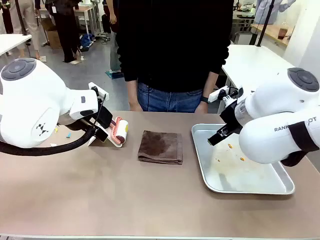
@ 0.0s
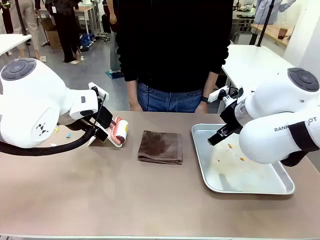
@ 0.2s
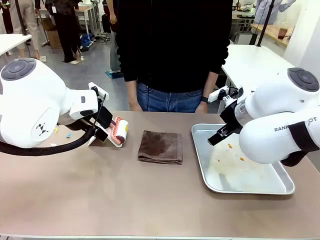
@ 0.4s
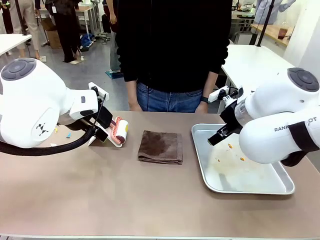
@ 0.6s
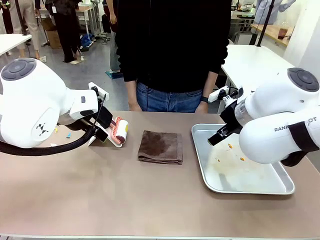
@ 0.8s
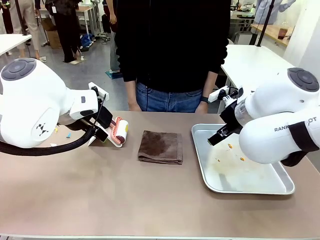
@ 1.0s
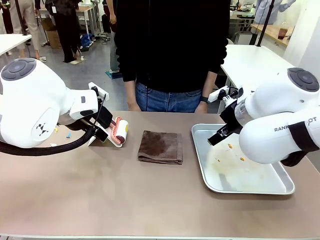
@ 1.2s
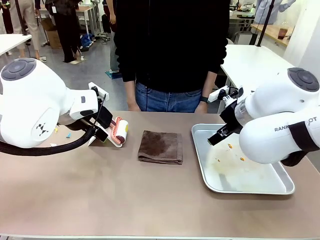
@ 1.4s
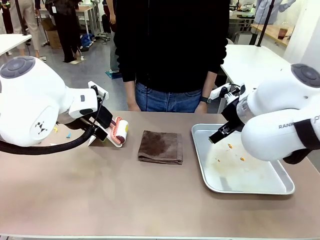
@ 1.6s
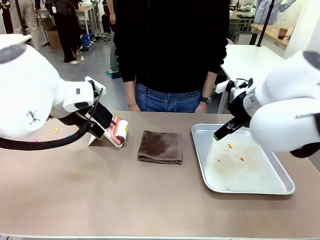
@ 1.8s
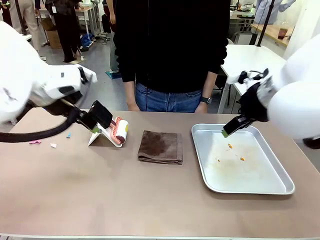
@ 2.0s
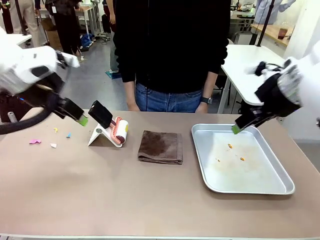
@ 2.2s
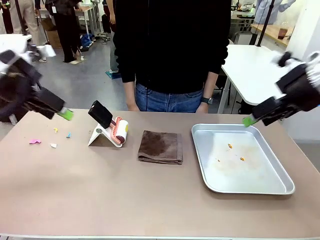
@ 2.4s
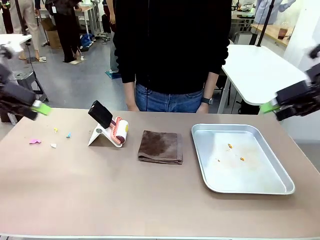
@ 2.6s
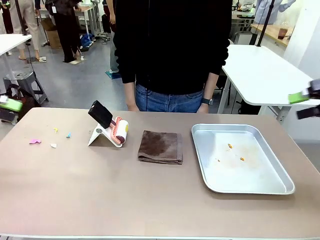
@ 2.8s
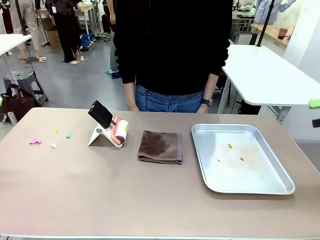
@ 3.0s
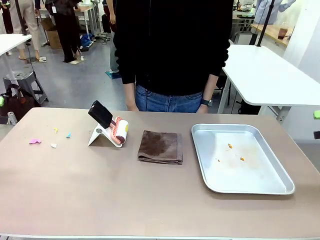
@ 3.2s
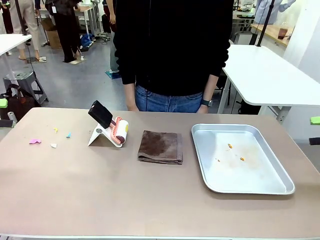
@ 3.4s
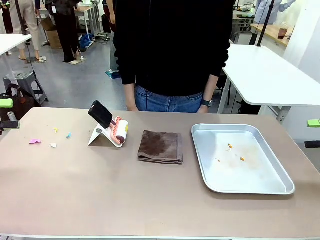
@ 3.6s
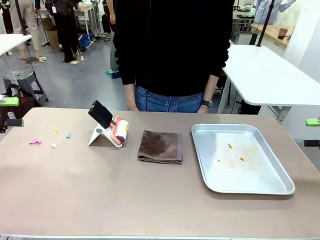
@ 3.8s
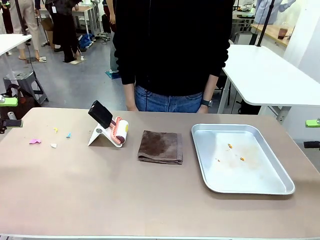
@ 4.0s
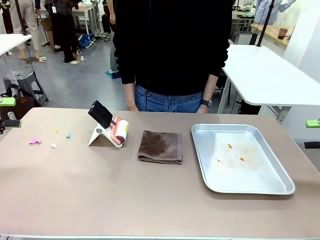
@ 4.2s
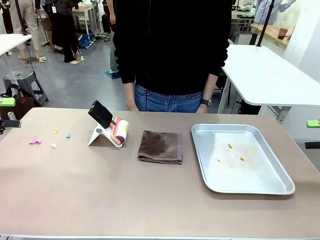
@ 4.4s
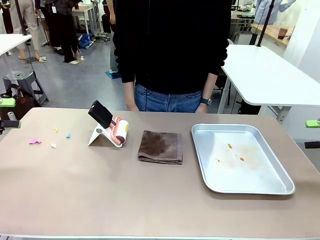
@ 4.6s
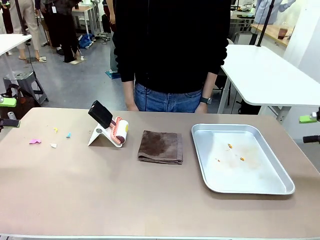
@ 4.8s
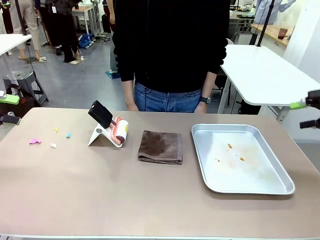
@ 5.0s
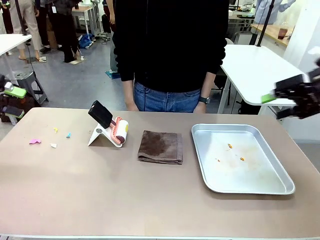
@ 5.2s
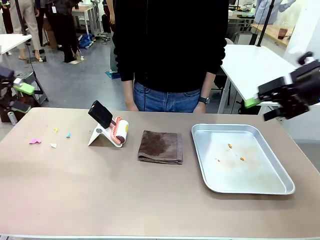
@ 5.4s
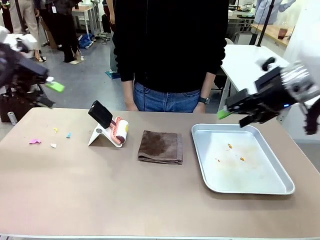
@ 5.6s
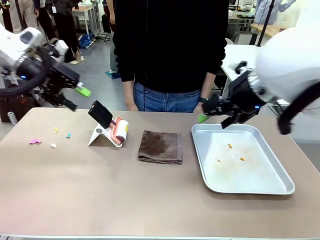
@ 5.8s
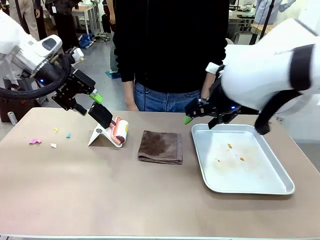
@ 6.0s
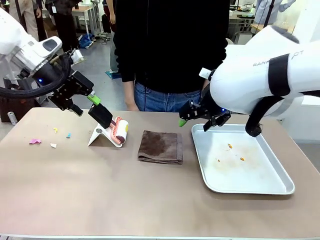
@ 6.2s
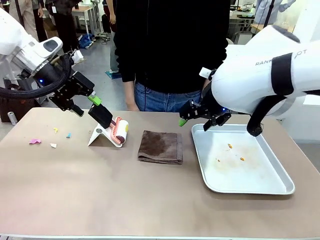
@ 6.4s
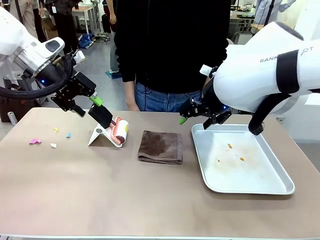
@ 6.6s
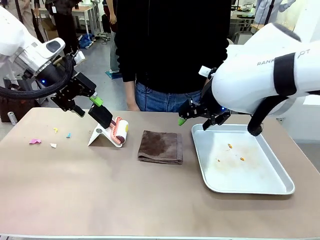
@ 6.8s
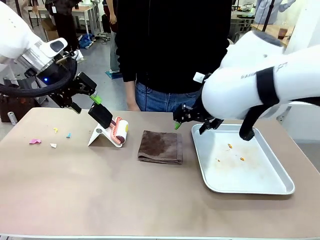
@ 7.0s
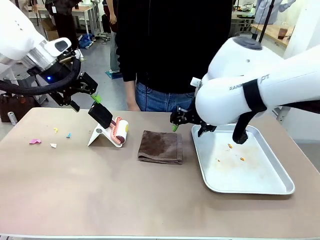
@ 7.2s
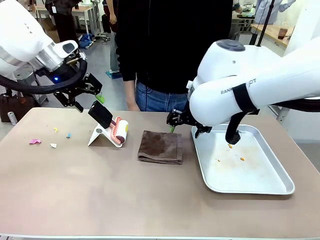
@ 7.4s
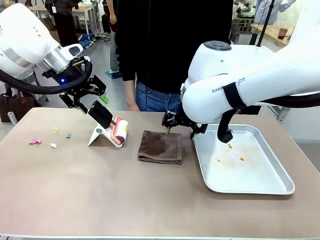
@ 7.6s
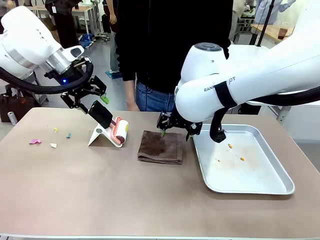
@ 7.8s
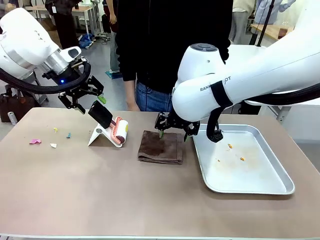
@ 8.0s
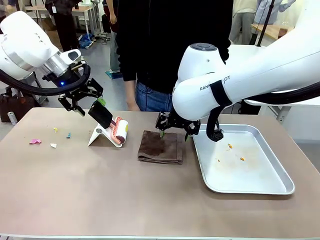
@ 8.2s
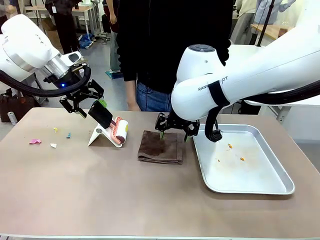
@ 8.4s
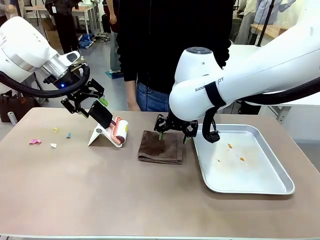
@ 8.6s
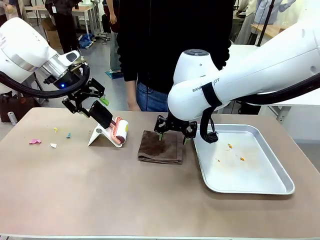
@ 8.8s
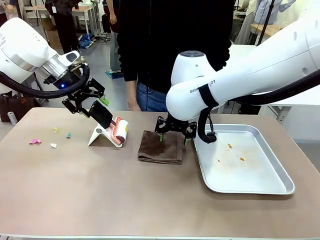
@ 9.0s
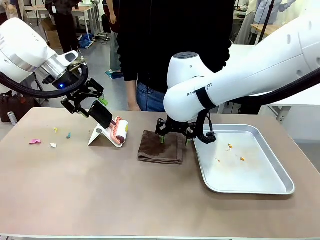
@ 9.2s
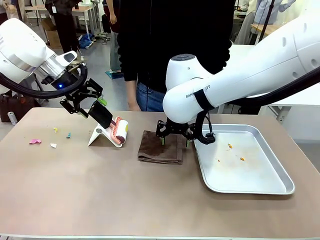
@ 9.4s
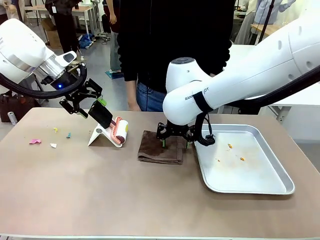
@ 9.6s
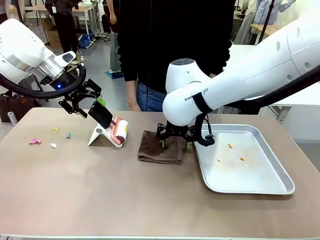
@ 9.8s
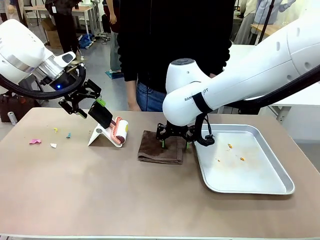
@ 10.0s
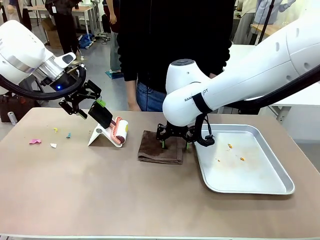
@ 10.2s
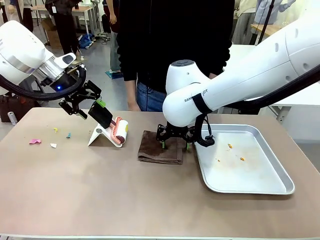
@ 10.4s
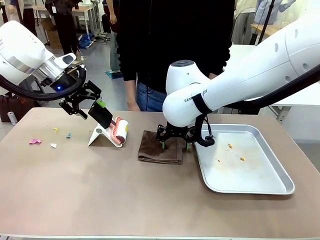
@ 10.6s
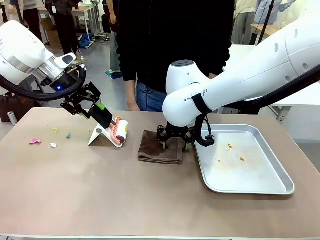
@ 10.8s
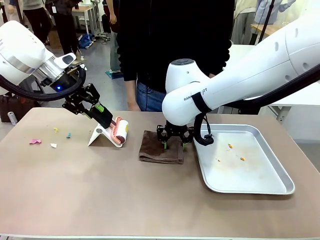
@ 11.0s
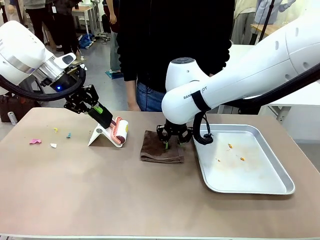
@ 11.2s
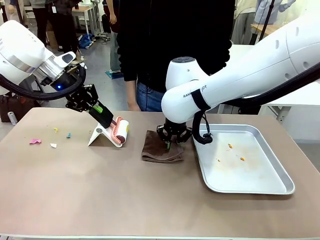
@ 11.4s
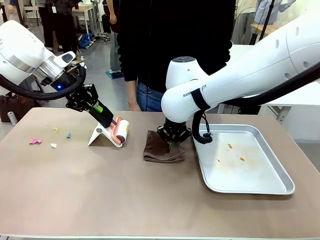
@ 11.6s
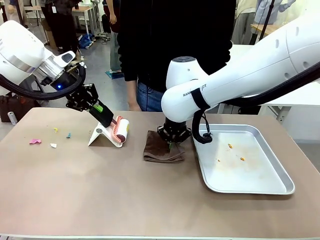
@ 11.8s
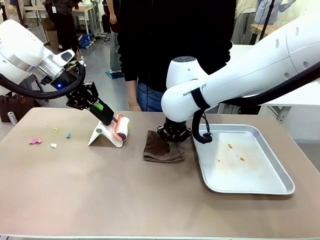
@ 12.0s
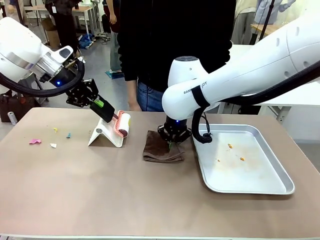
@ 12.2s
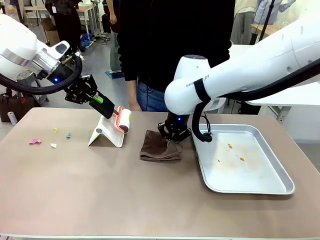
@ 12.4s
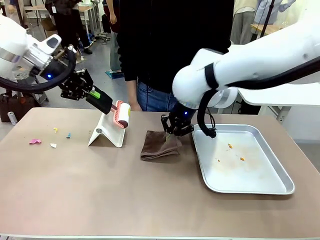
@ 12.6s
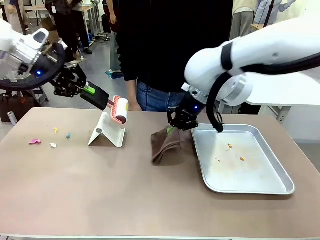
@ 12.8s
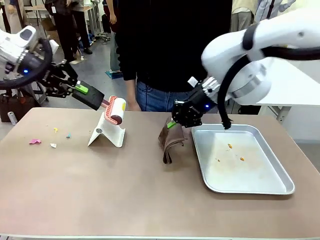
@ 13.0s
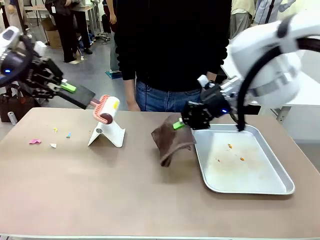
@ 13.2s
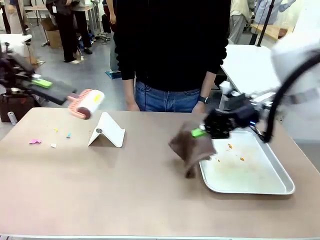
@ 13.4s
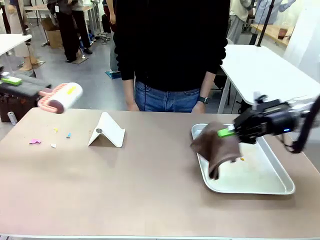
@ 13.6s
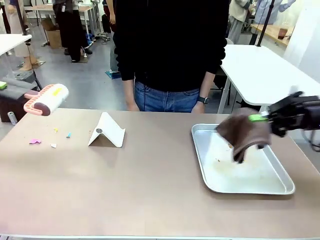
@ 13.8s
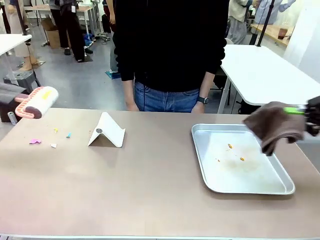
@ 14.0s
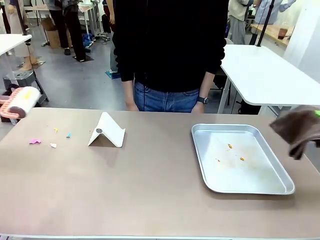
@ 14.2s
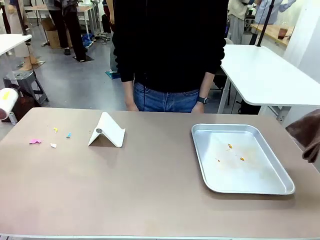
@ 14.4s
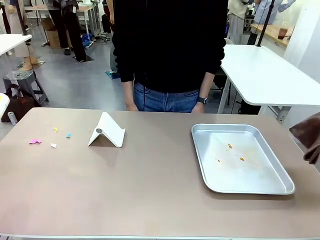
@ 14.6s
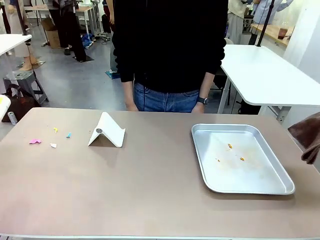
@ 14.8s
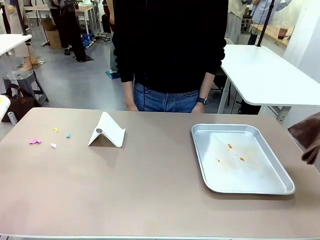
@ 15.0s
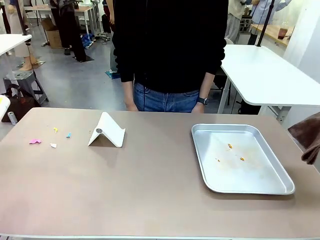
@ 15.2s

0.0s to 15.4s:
Task: Clean the surface of the table.
Robot: Hold the Lint Roller with your left hand and the towel with your right hand.

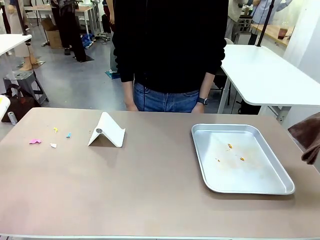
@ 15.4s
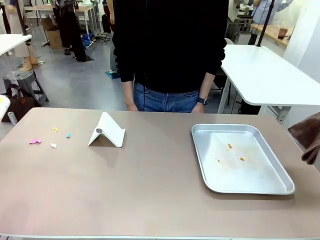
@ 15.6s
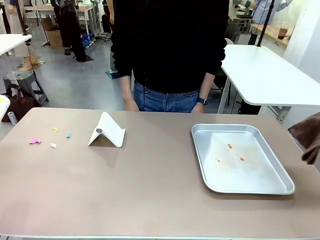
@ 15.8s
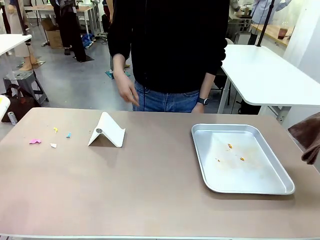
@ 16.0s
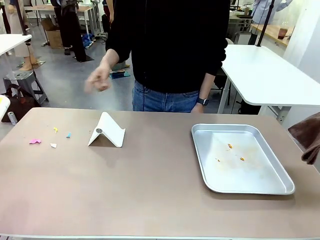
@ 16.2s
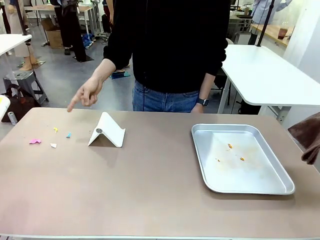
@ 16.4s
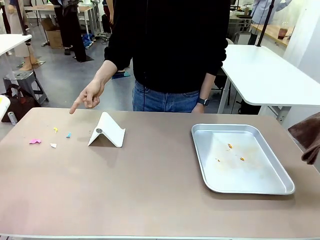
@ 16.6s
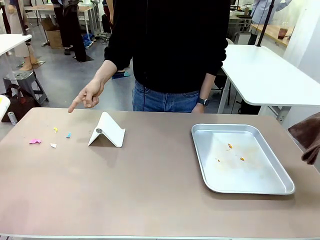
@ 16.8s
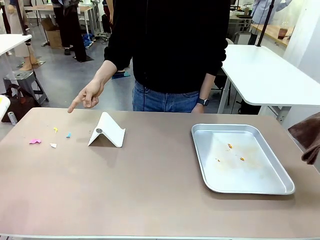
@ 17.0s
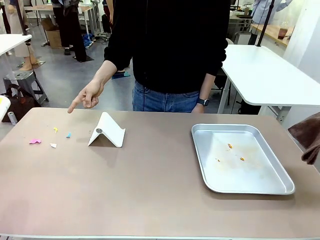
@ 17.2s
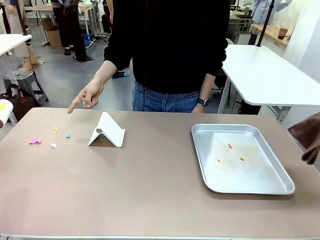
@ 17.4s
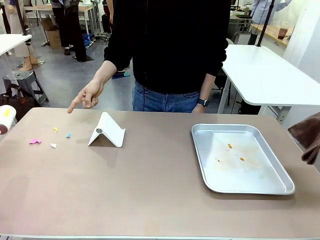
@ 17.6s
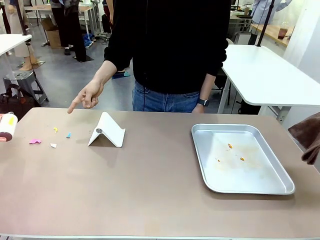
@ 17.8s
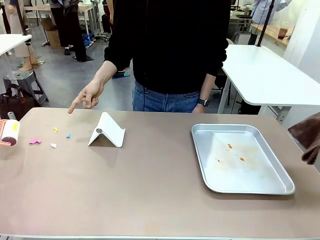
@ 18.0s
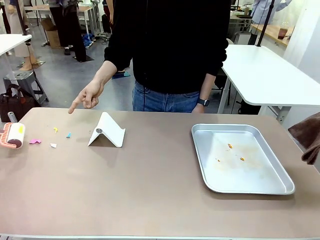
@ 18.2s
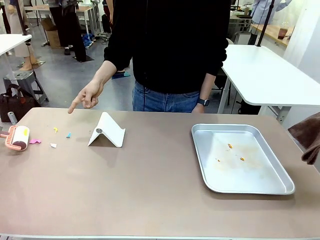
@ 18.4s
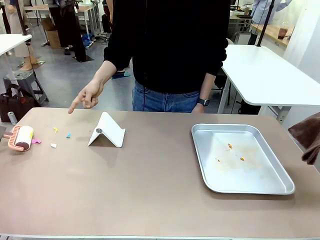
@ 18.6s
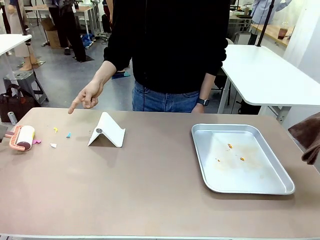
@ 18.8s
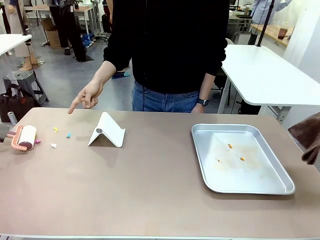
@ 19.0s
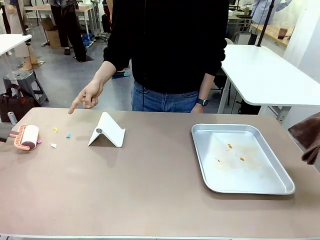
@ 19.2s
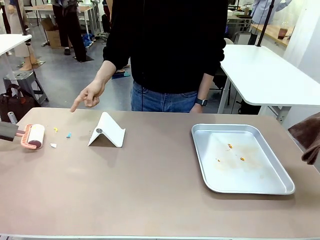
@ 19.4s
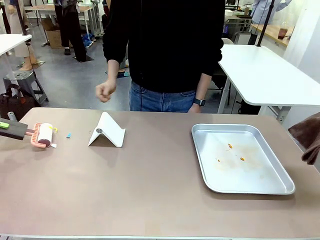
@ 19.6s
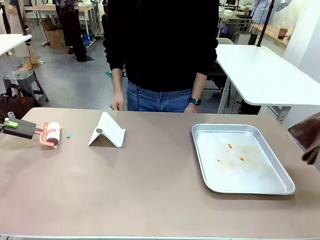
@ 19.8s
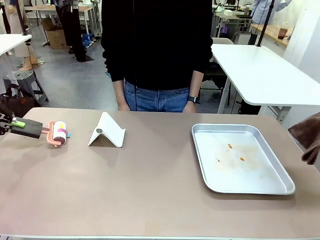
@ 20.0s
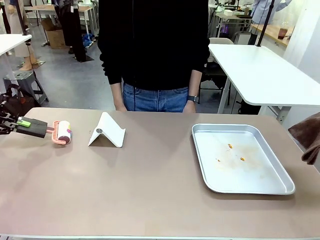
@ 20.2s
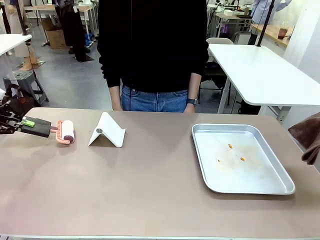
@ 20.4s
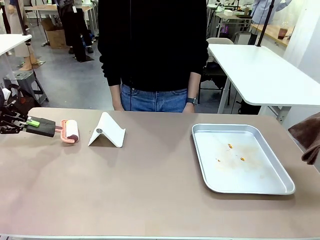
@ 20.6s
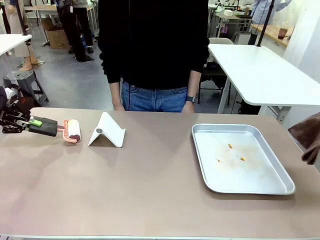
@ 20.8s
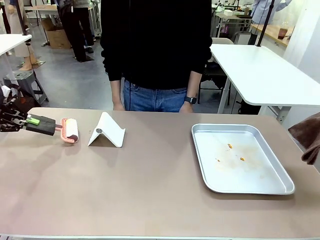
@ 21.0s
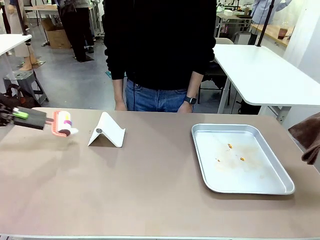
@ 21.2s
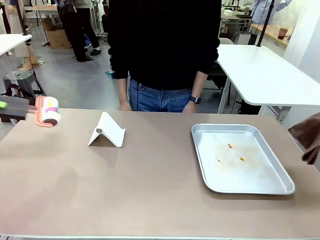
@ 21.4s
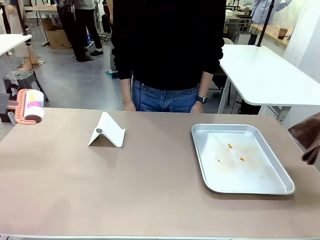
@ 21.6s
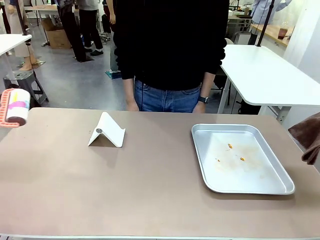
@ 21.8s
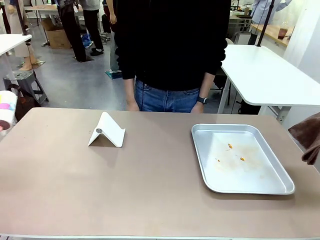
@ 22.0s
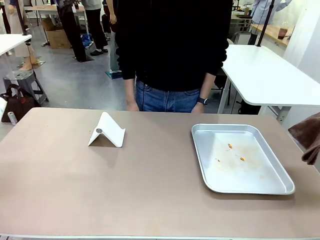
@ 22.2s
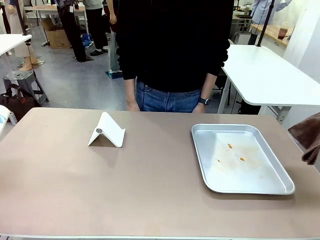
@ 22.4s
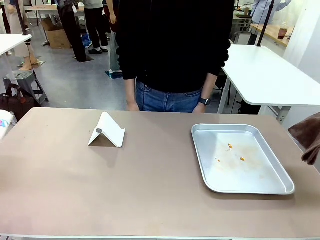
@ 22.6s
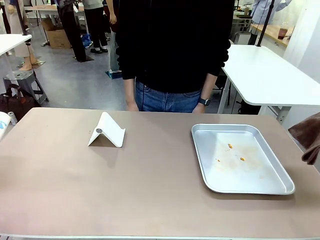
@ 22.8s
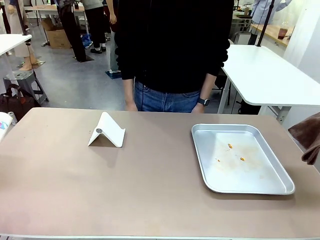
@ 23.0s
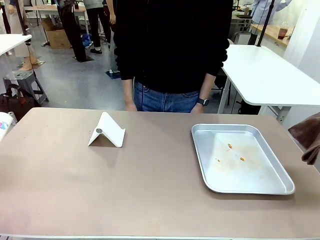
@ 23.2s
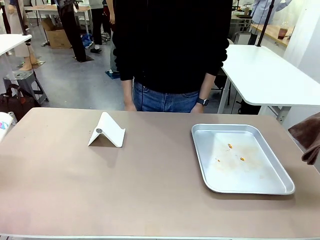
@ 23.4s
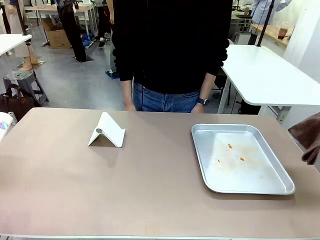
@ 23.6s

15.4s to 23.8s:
Robot: If a person points to the right, clean the right side of the table with your right hand, and if they point to the left, clean the left side with your left hand.
